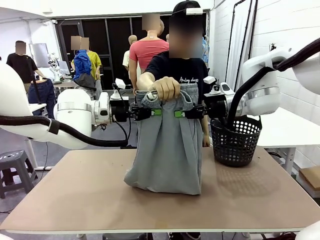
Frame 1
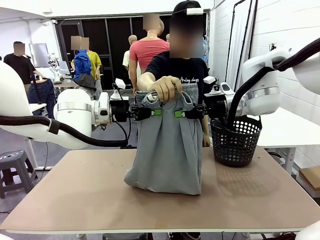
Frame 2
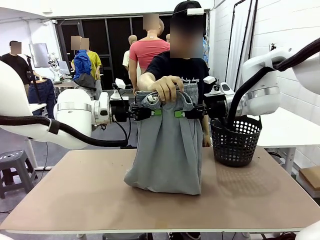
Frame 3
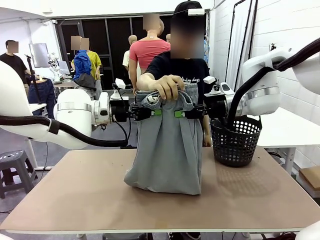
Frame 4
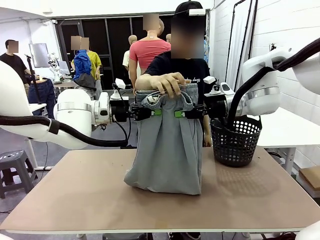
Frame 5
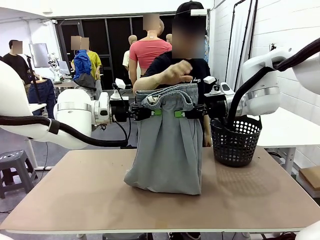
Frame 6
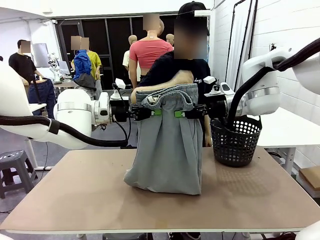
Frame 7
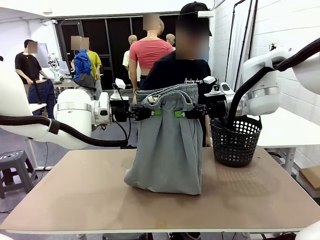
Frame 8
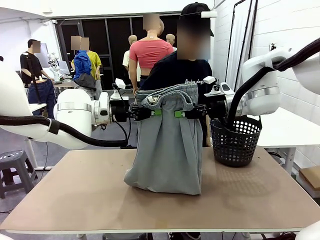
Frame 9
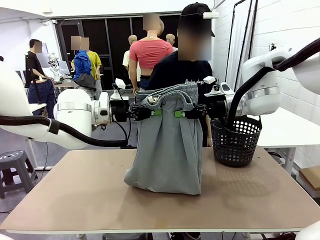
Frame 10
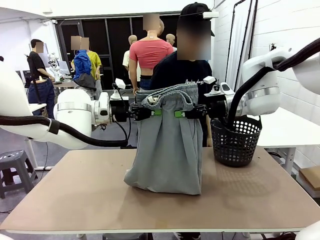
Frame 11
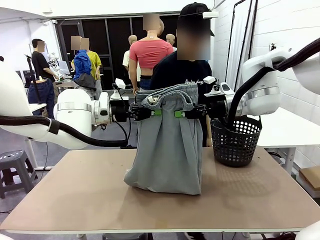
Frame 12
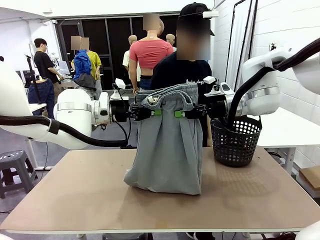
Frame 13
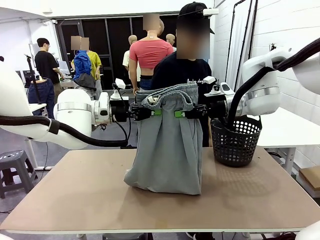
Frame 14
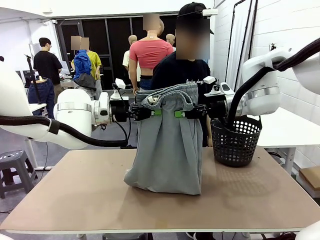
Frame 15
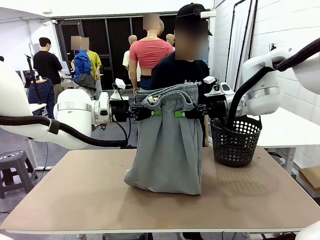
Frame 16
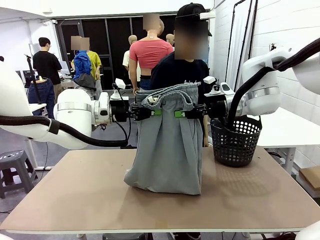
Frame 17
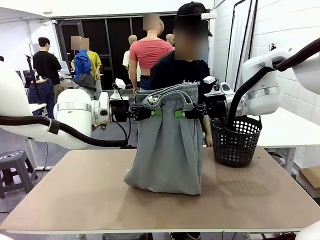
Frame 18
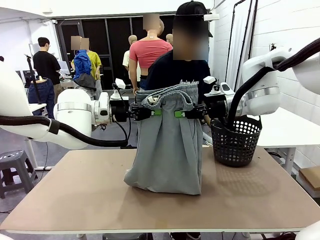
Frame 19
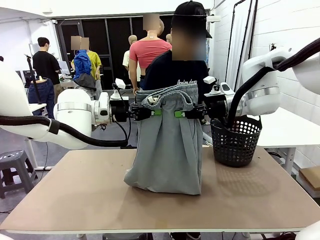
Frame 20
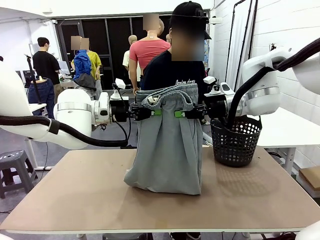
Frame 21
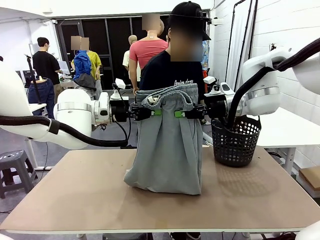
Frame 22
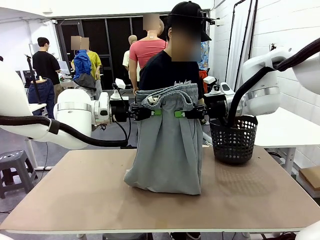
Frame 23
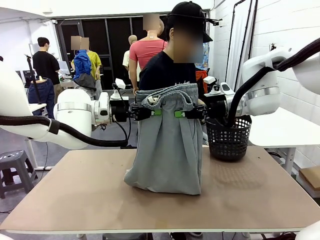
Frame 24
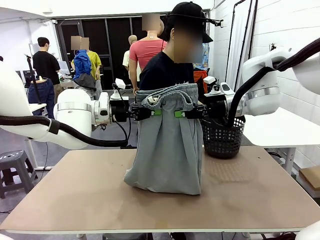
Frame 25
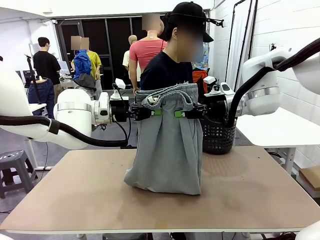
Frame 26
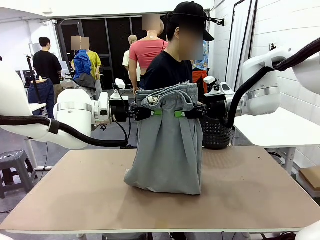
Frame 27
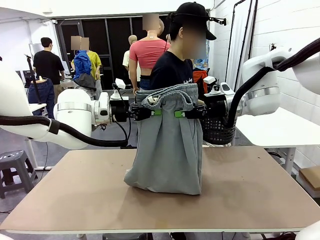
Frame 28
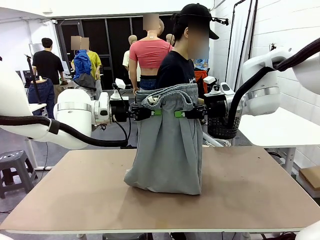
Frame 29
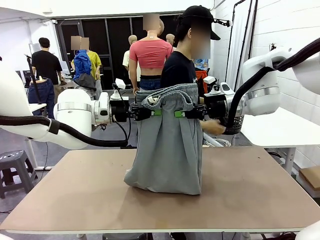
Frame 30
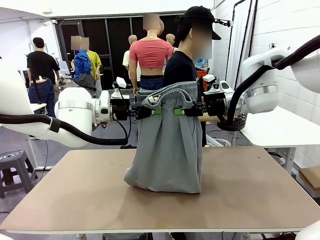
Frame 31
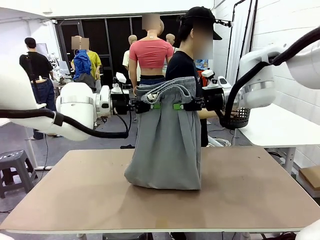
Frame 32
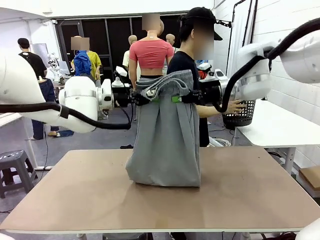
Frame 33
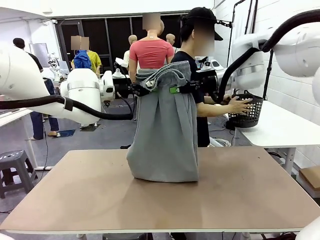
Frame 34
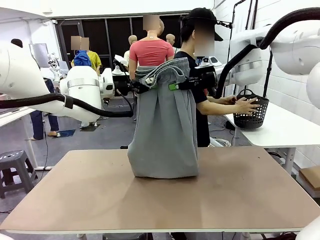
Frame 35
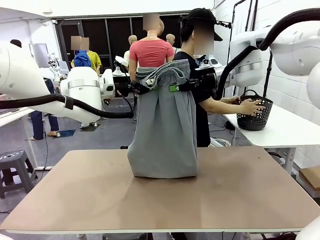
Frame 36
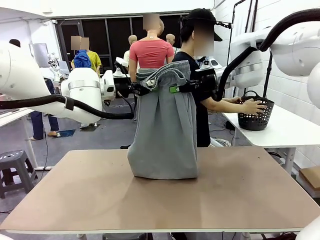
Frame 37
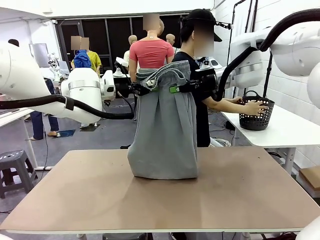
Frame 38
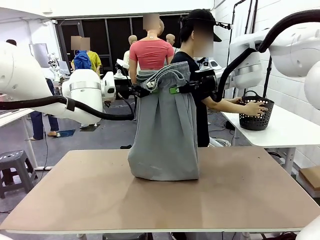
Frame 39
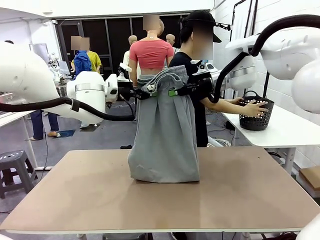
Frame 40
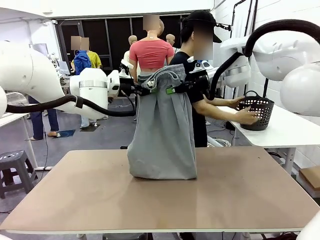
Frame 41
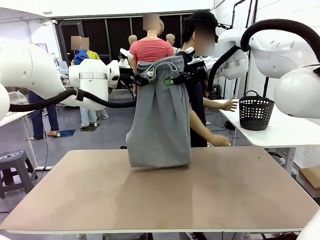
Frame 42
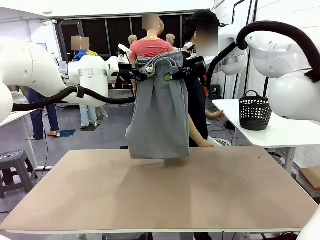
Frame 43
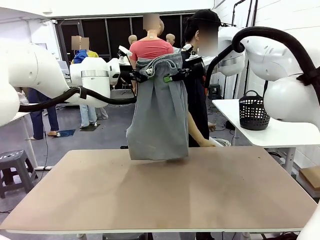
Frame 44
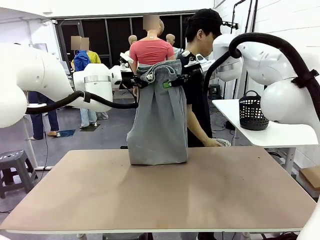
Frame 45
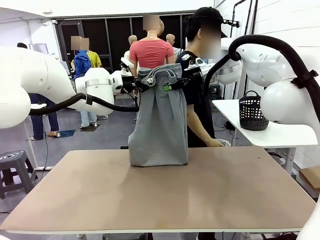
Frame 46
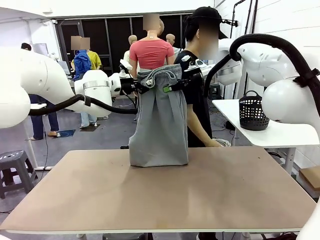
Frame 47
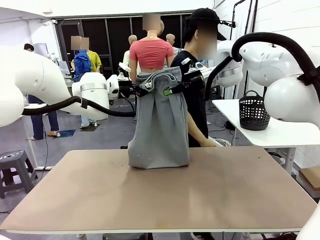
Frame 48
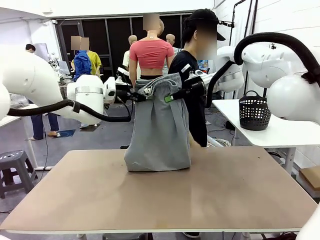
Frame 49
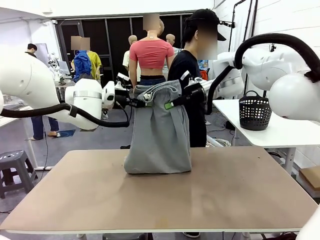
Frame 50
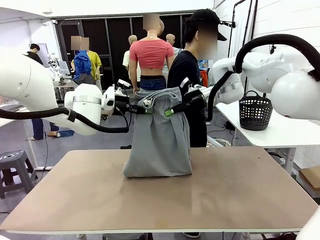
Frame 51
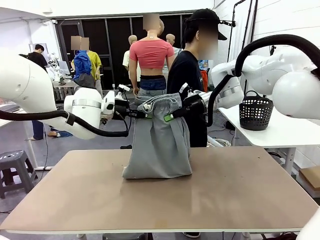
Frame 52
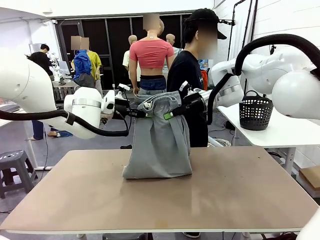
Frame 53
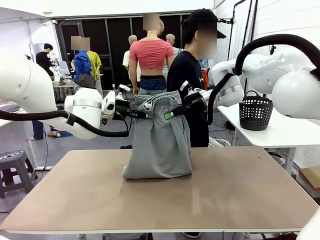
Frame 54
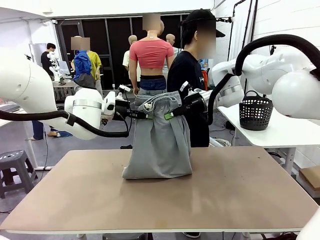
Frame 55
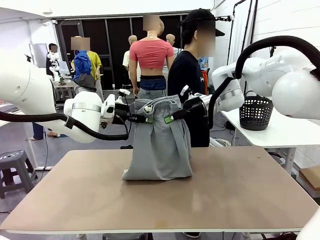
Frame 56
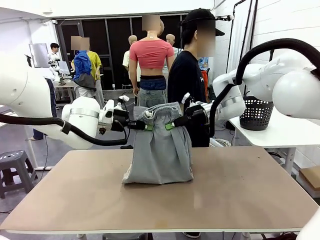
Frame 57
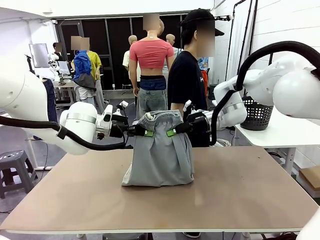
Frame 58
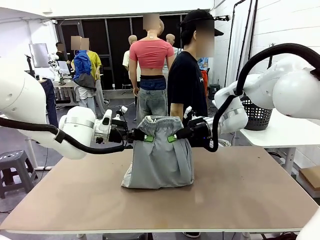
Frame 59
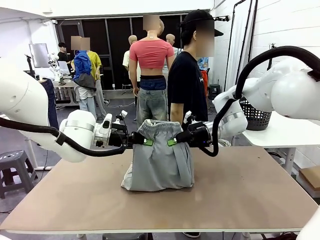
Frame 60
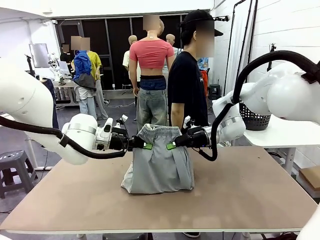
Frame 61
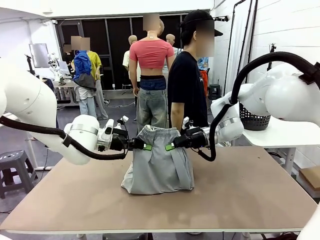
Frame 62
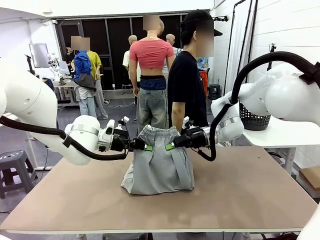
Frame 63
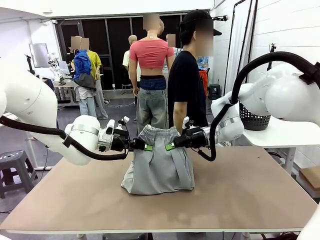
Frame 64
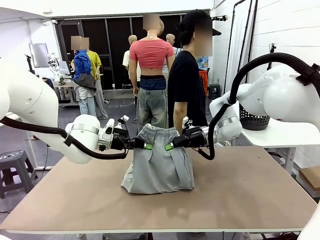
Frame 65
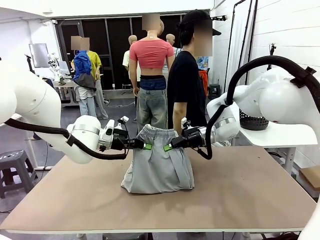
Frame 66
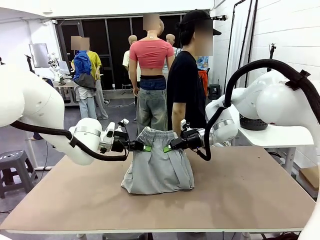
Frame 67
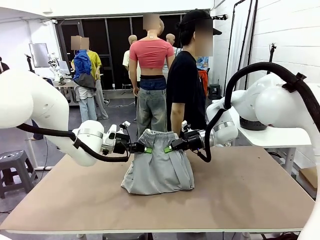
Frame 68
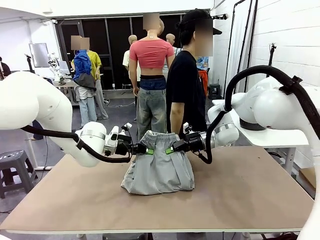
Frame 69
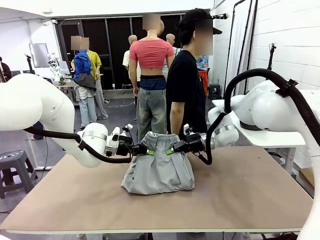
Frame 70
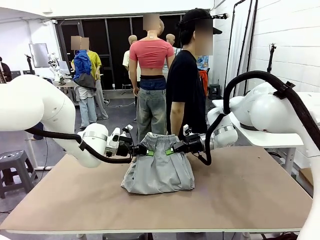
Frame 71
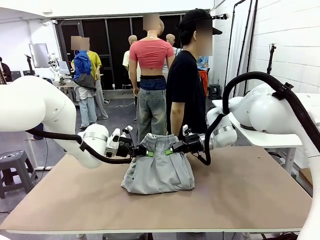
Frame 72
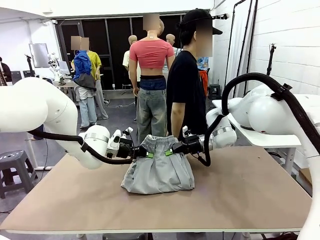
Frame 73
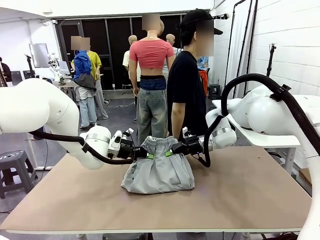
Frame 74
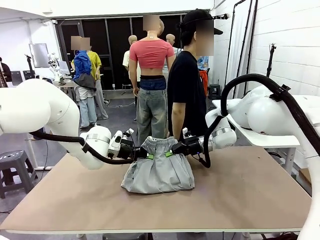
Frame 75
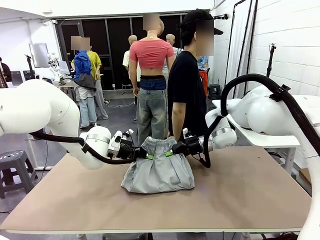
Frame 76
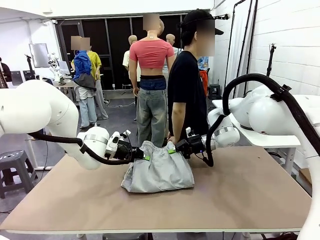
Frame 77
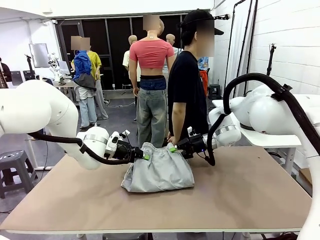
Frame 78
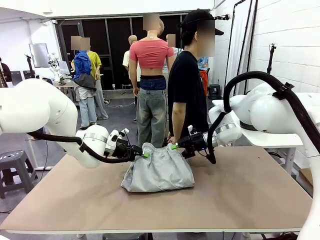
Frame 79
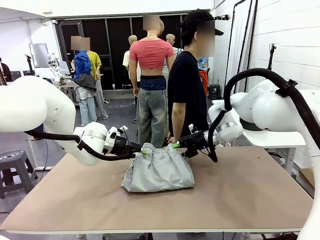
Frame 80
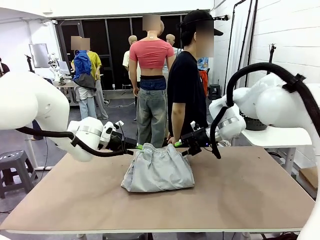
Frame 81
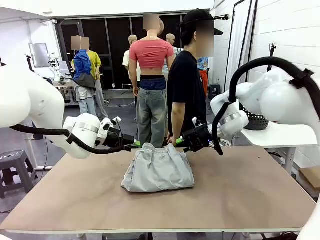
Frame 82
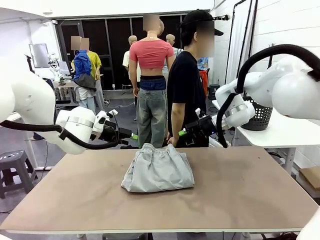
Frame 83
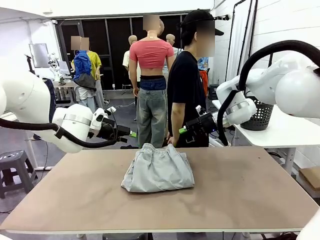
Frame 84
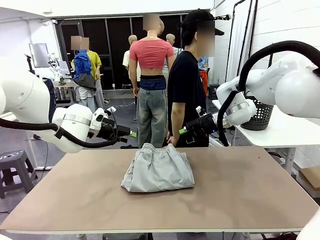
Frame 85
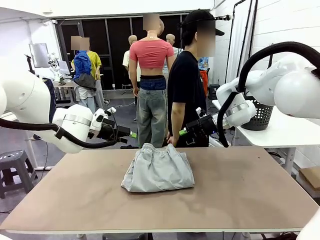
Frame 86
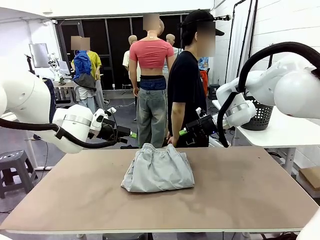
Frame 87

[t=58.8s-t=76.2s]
Task: Fold the training pants.
Robot: Fold the Training pants in half.
Person: Move the laundry basket to the right of the human table.
